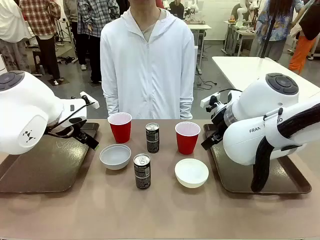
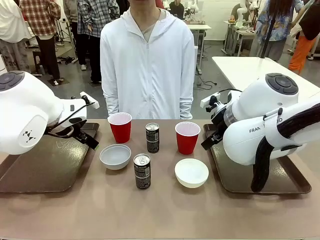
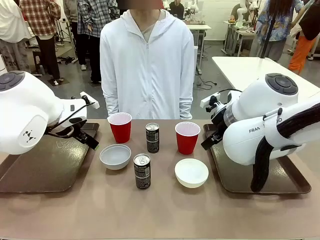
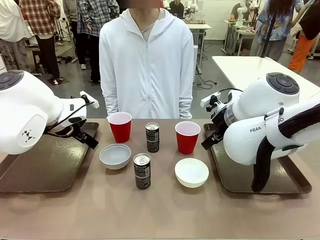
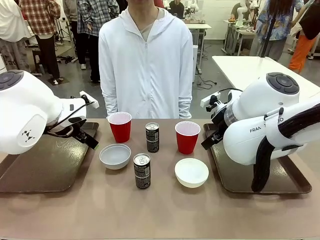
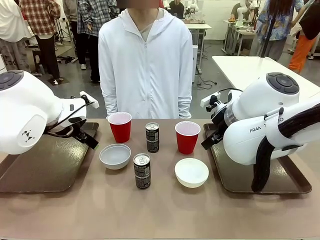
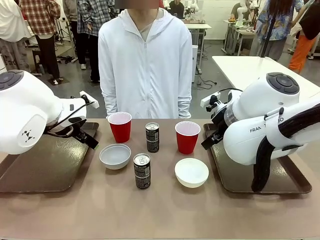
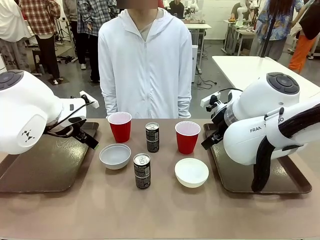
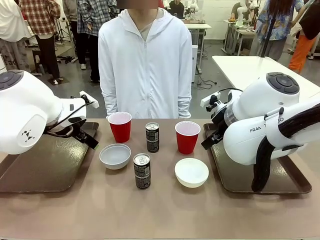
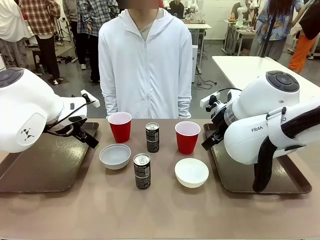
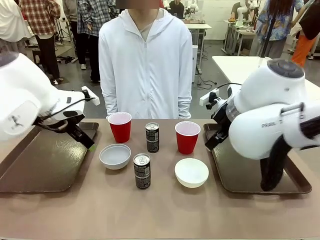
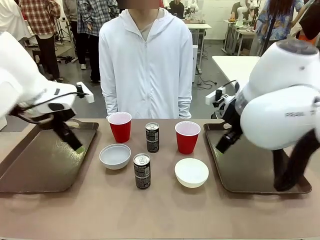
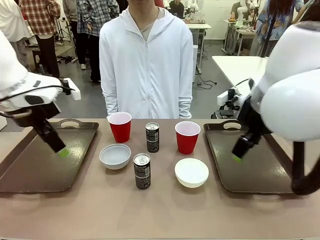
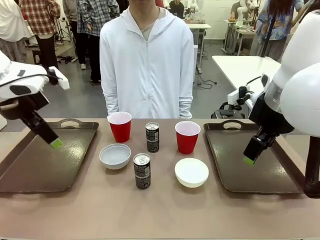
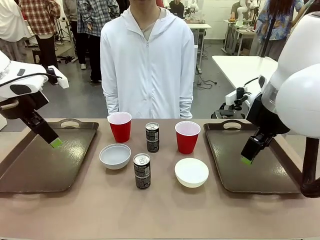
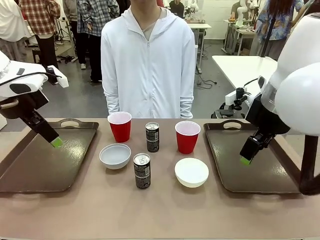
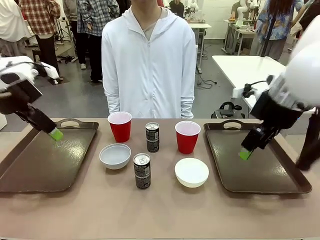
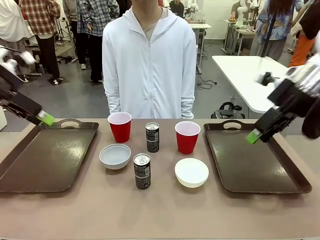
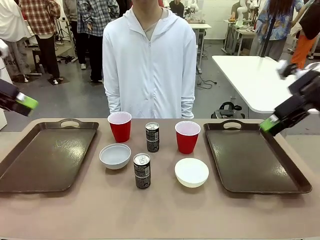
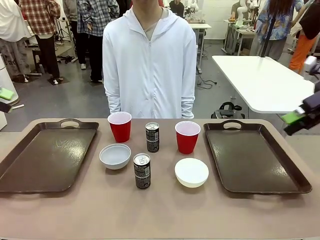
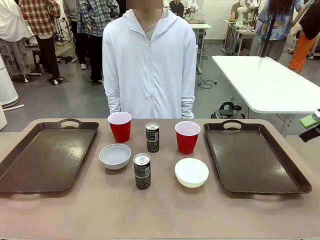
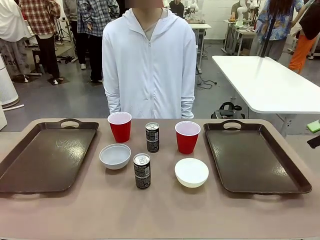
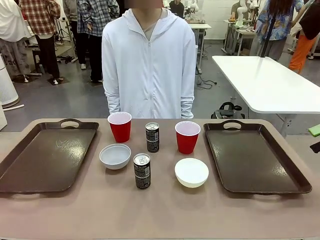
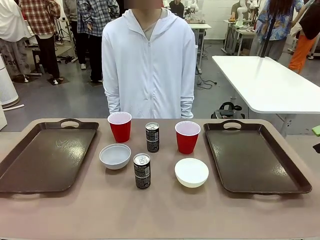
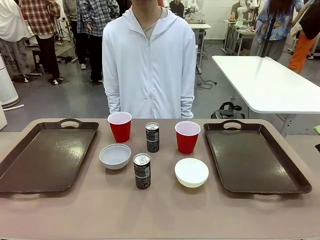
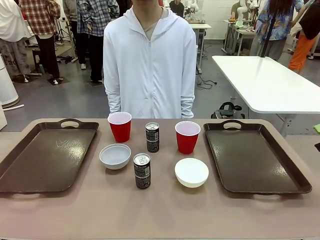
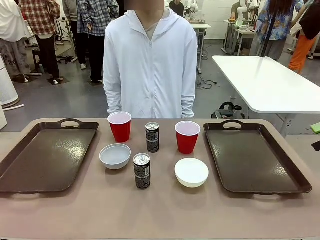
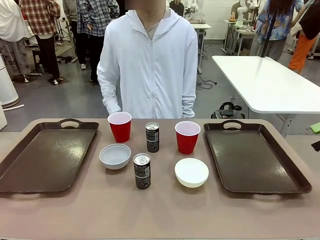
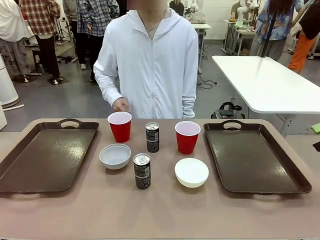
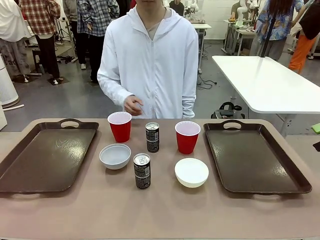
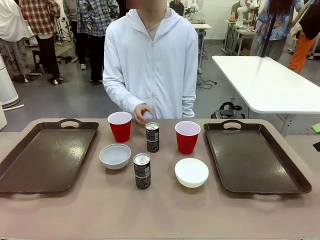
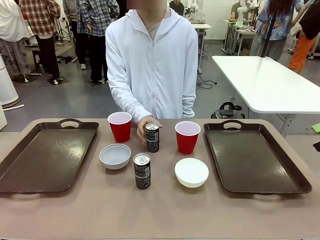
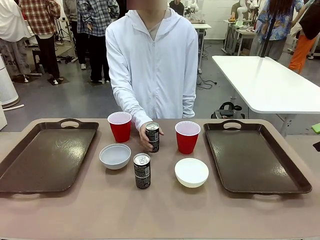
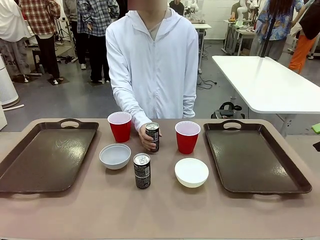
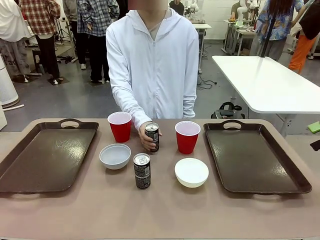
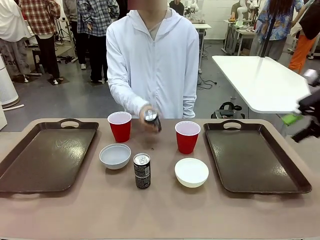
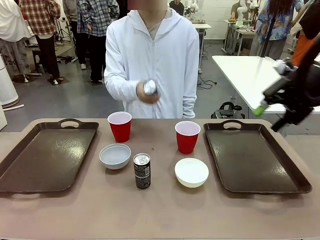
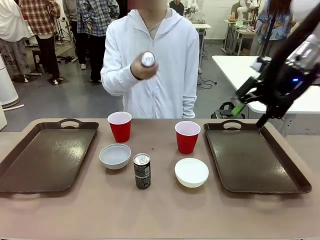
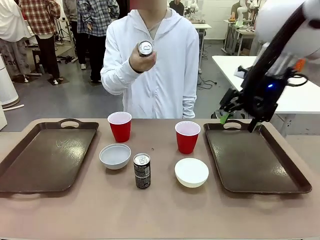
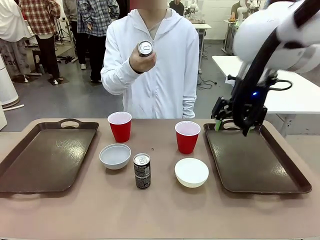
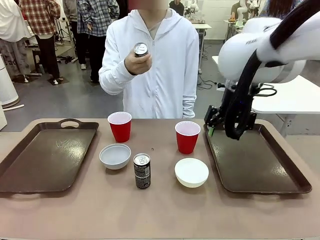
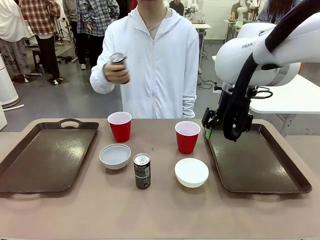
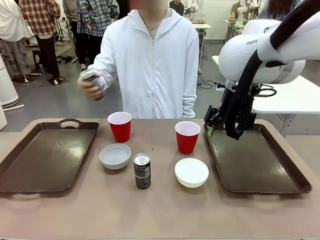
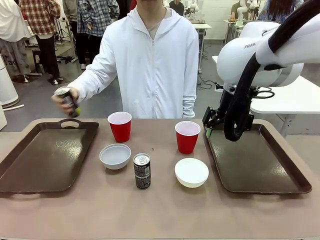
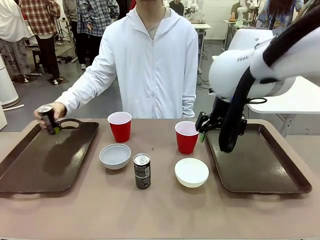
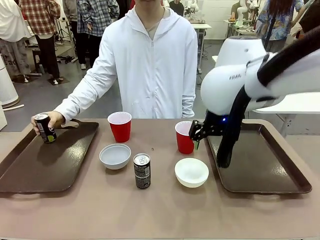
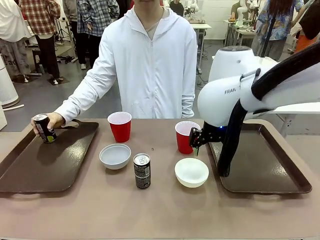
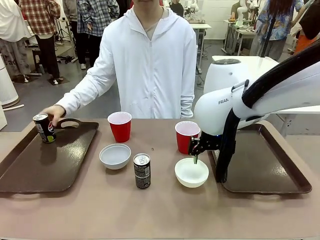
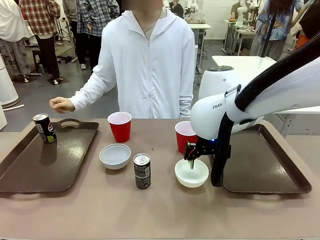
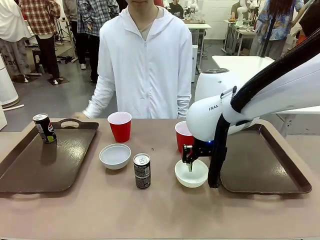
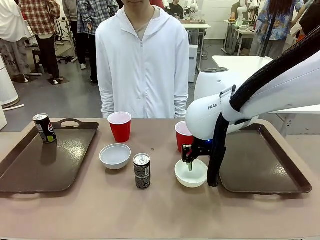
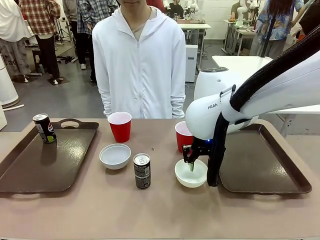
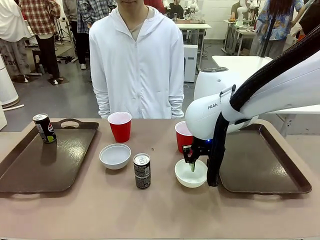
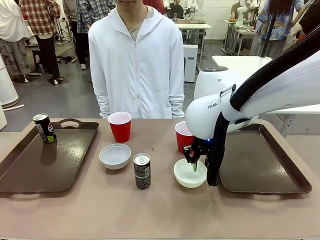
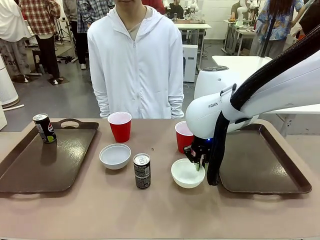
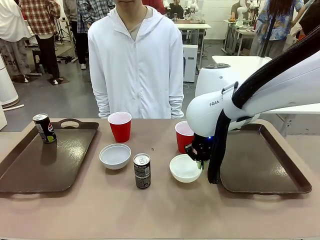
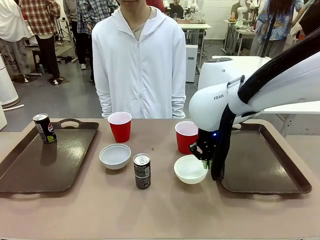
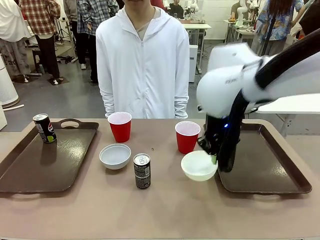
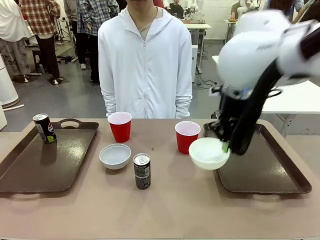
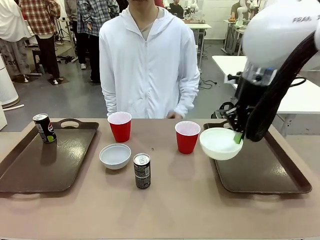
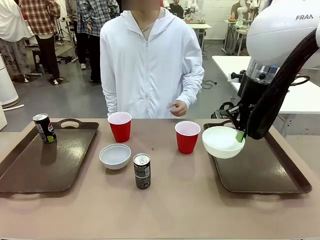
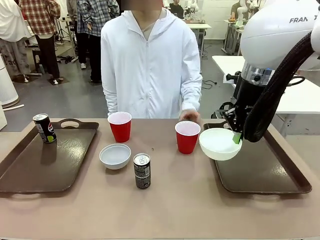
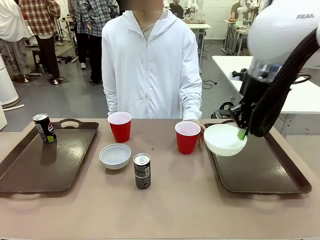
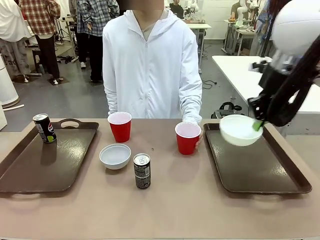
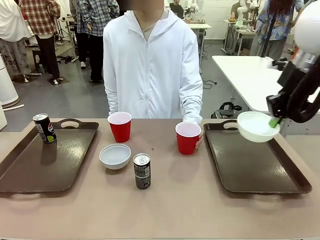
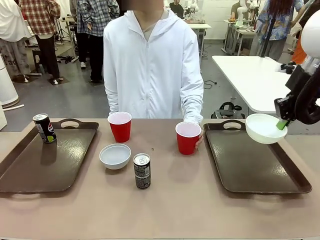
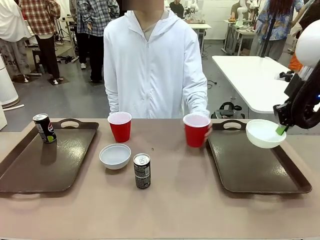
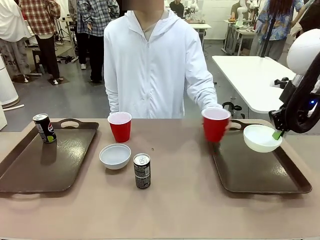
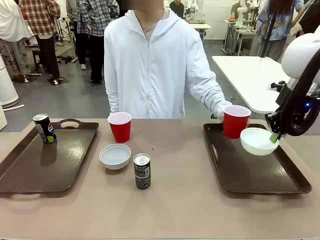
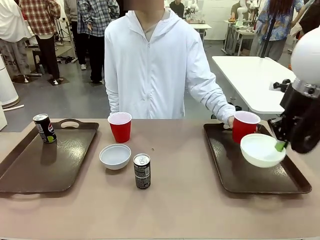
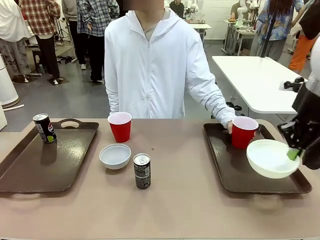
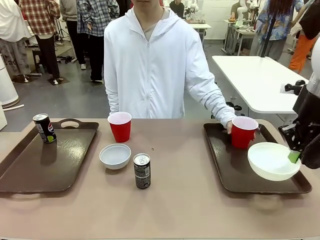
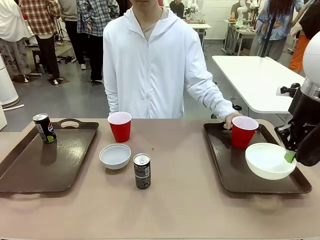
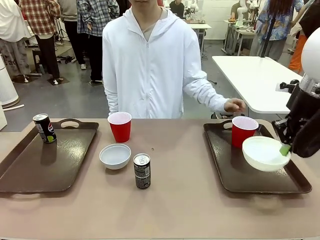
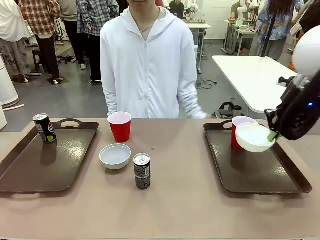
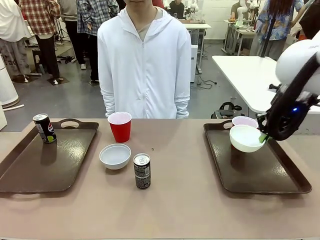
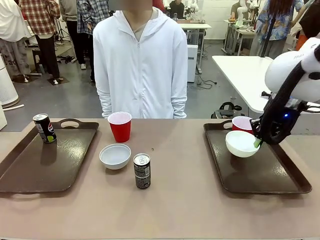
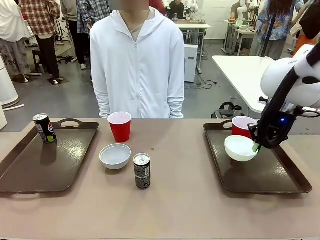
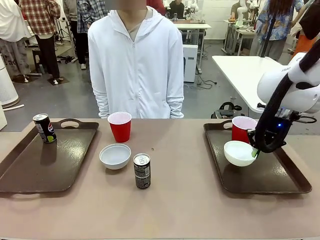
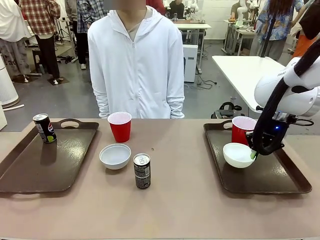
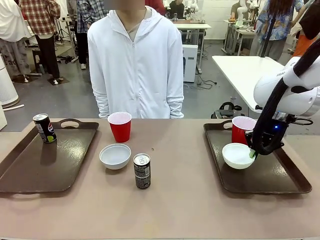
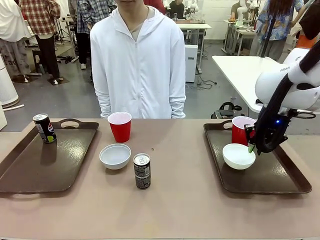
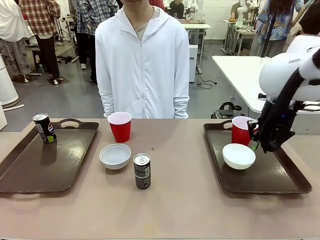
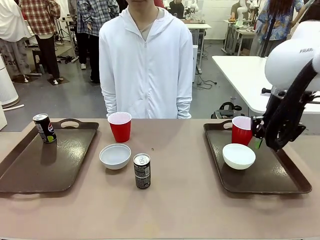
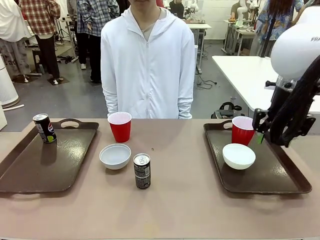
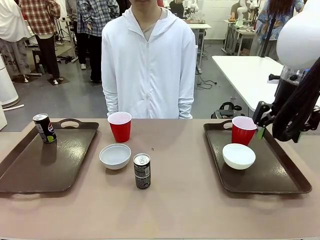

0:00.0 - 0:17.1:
Task: Prepare tableware on both trays.
Robot: Pick up a Picnic Bowl from the table and place it on a Handle tray.
Person: Pick up a can or cup and place it on the tray.
